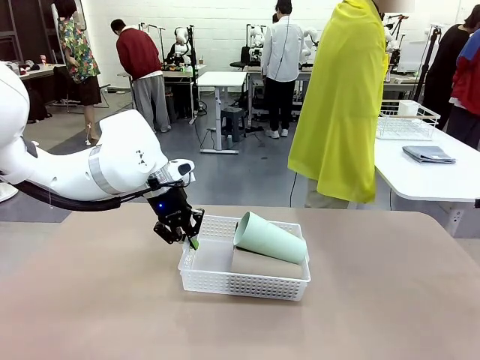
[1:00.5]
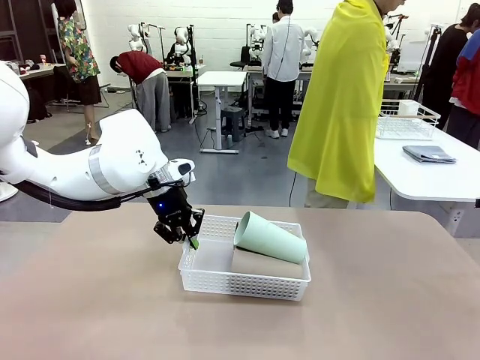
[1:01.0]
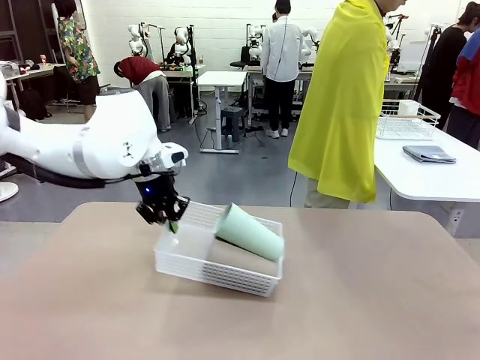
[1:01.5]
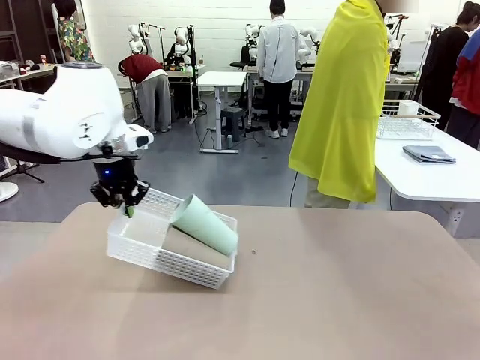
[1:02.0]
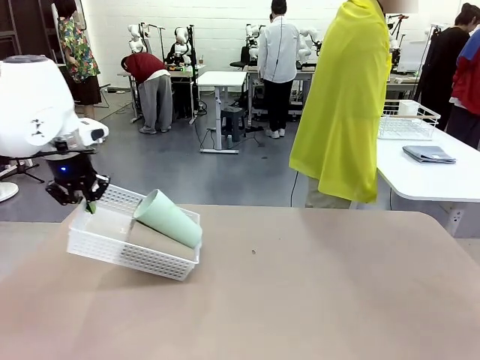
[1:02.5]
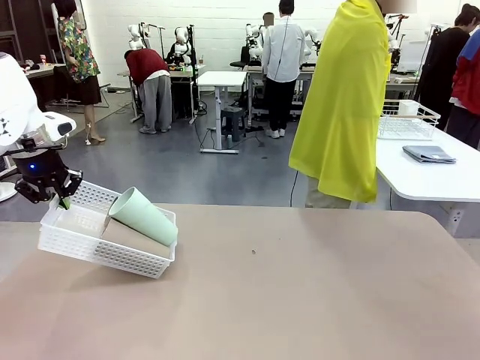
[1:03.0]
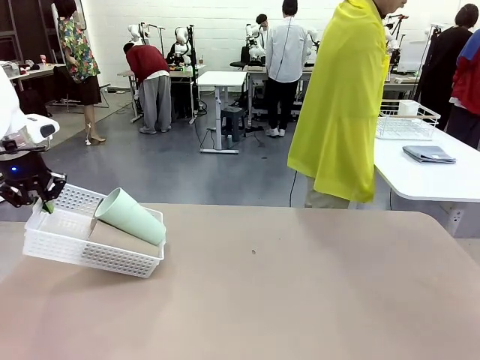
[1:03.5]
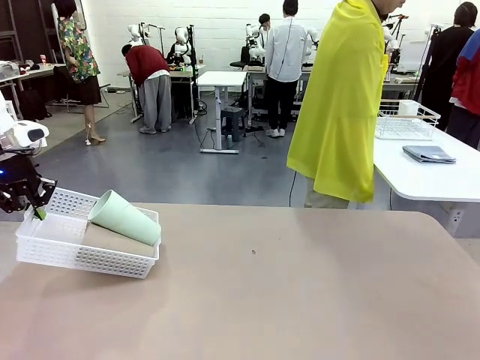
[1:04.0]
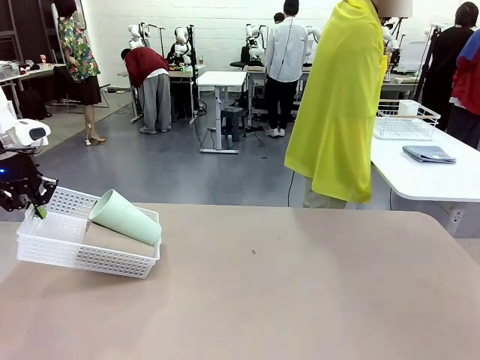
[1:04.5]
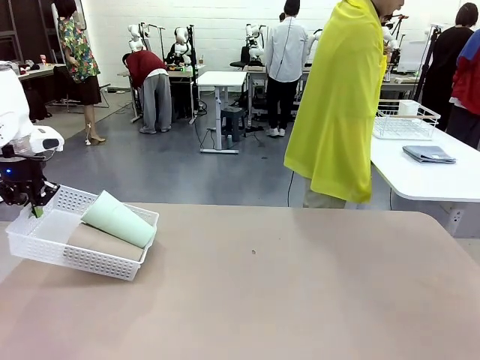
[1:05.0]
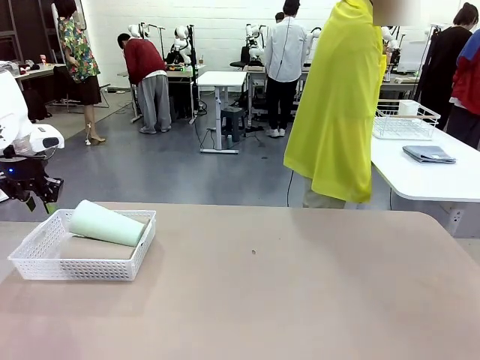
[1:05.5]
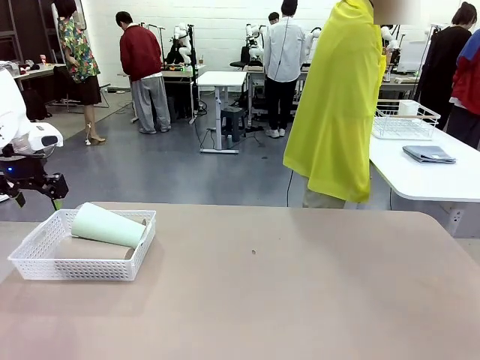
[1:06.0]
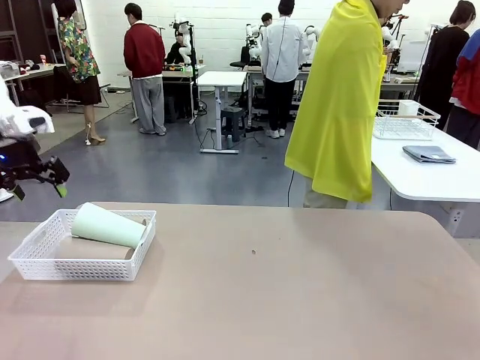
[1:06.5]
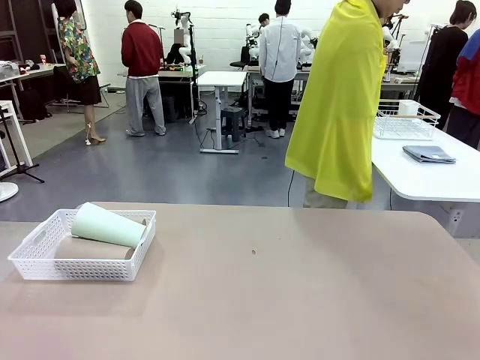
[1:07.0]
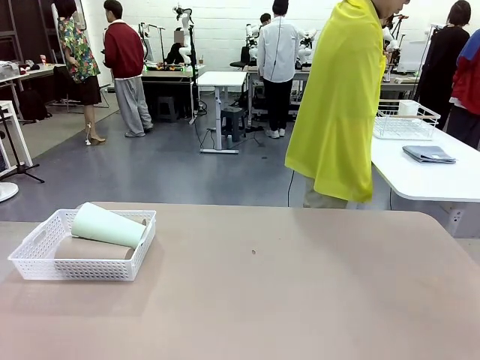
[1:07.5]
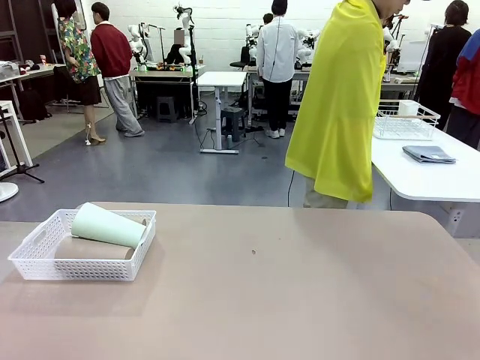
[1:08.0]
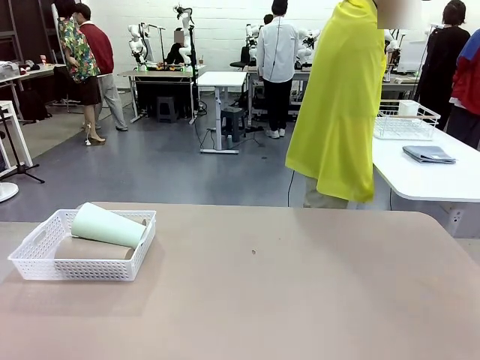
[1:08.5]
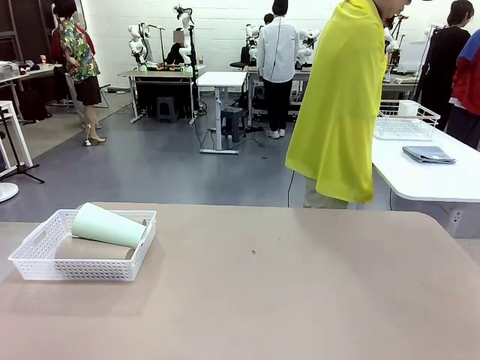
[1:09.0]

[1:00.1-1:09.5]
Task: Clean and organize the cups into the basket.
Robot: Move the Organizing basket back to the left side of the table.

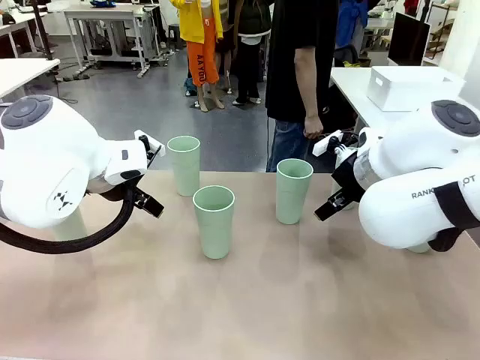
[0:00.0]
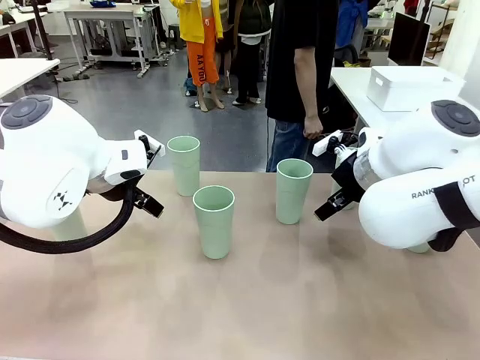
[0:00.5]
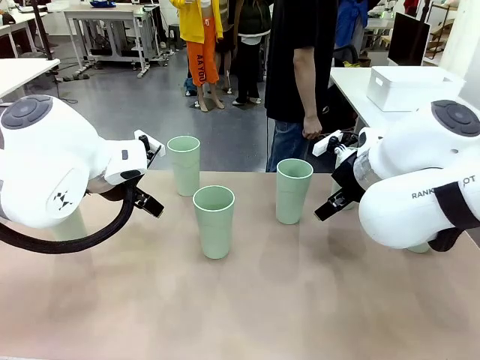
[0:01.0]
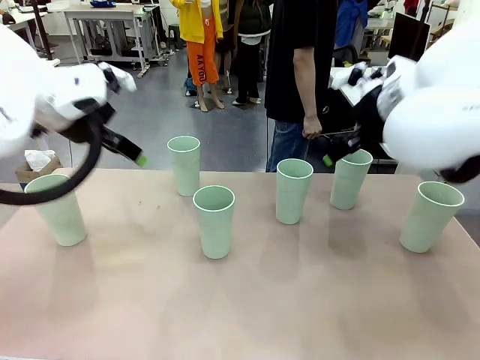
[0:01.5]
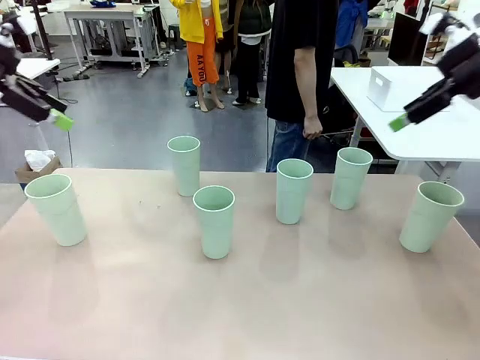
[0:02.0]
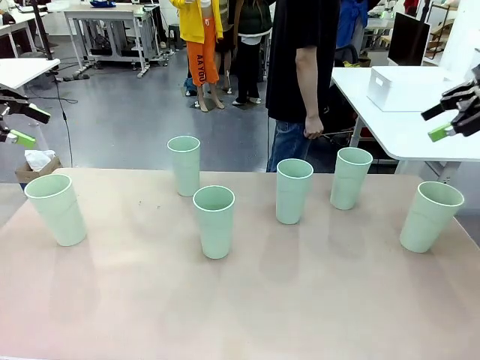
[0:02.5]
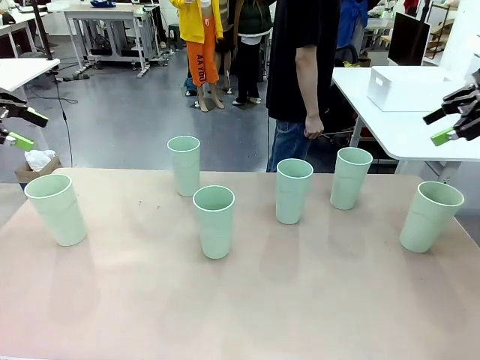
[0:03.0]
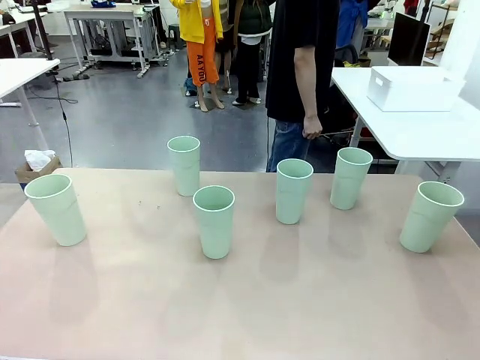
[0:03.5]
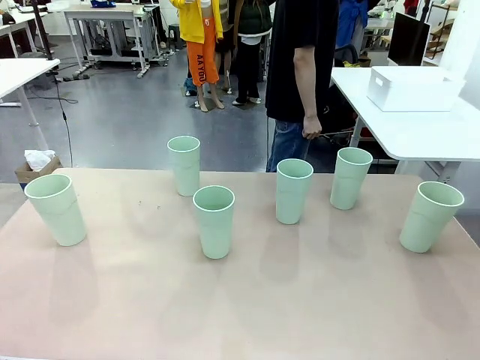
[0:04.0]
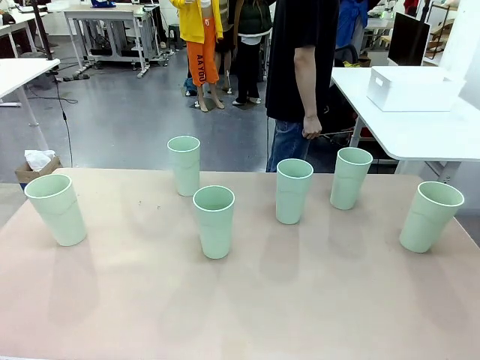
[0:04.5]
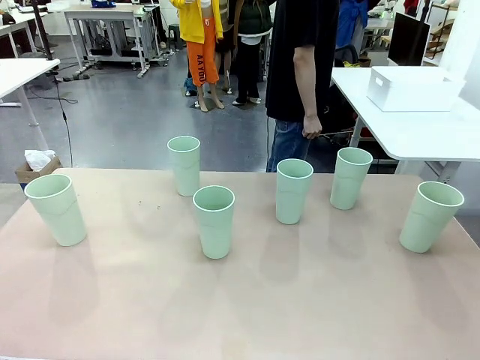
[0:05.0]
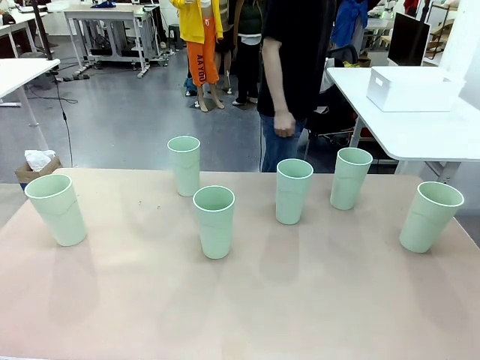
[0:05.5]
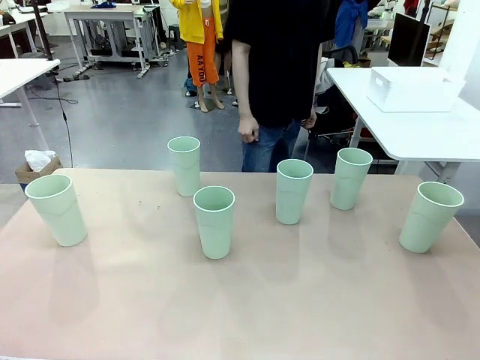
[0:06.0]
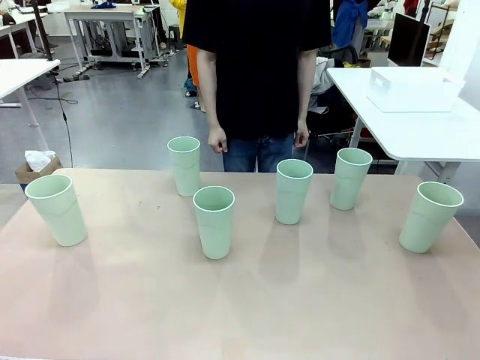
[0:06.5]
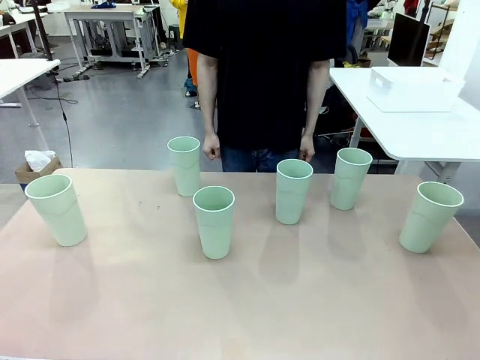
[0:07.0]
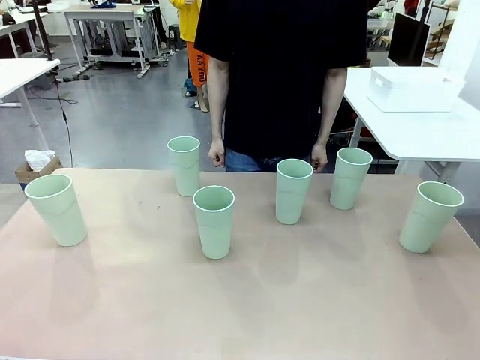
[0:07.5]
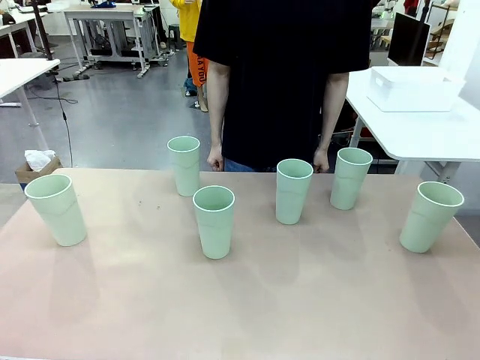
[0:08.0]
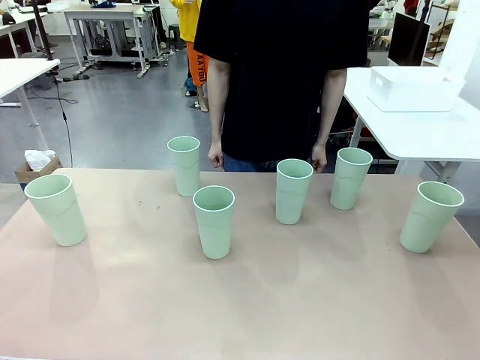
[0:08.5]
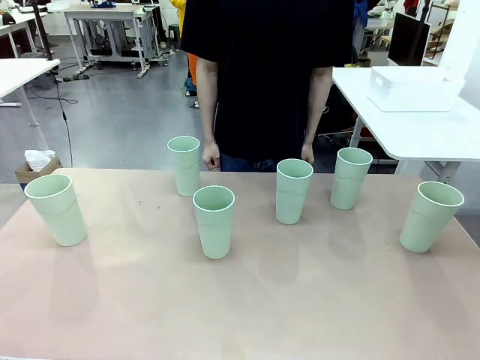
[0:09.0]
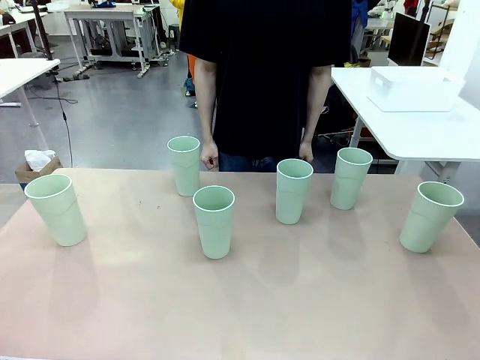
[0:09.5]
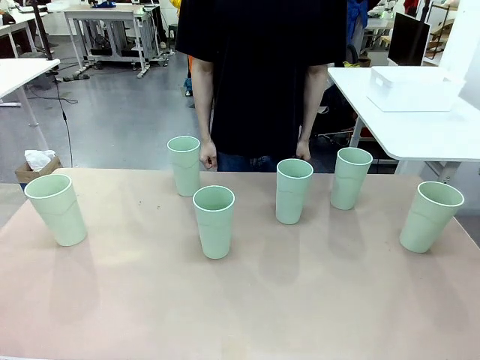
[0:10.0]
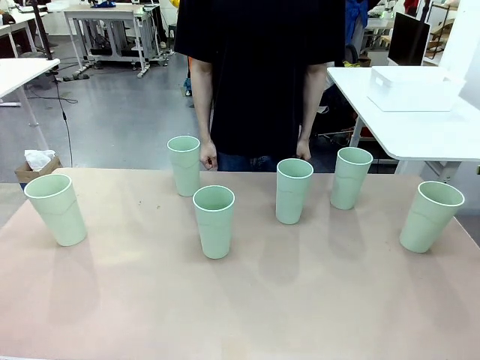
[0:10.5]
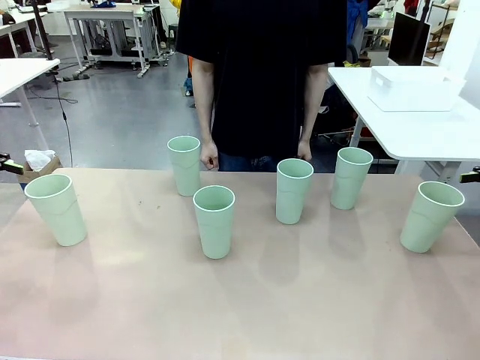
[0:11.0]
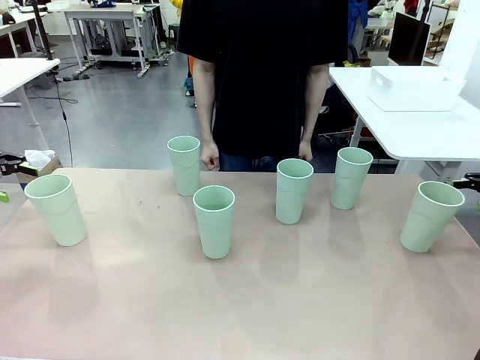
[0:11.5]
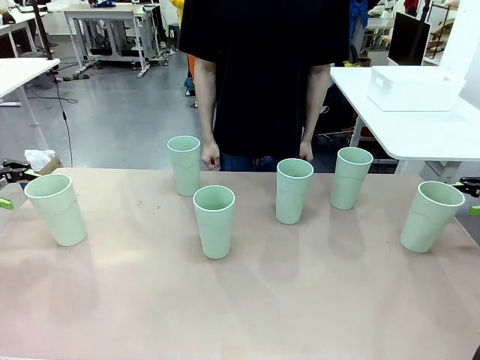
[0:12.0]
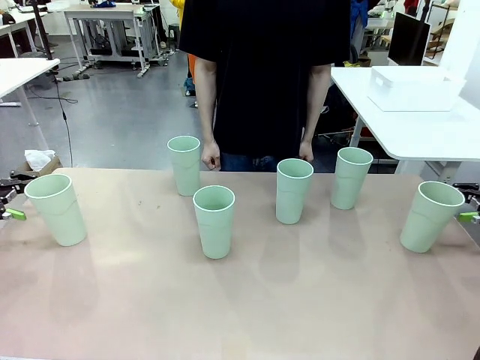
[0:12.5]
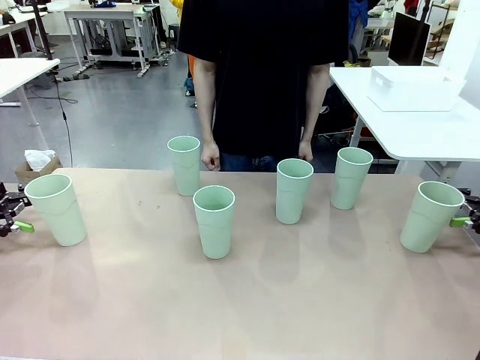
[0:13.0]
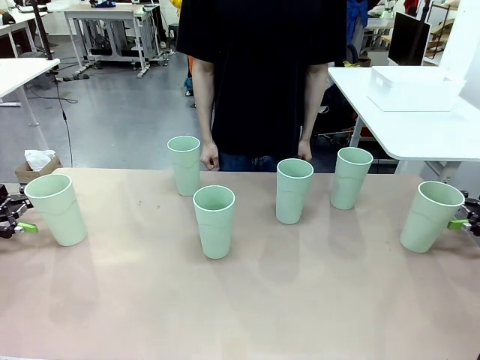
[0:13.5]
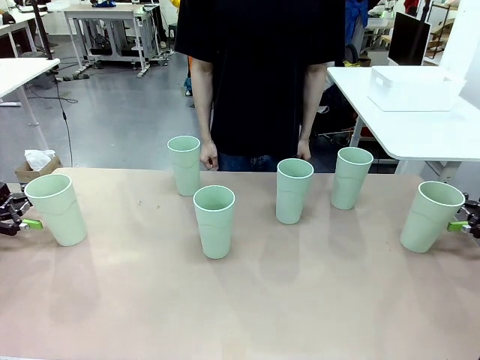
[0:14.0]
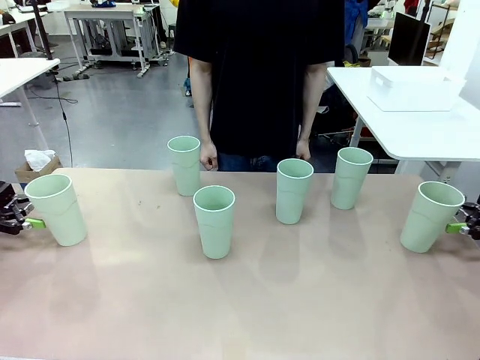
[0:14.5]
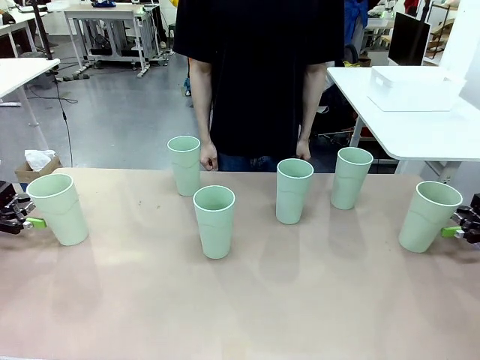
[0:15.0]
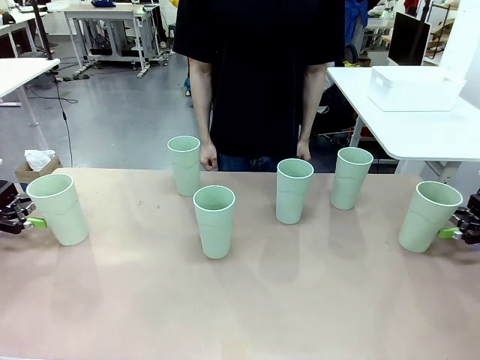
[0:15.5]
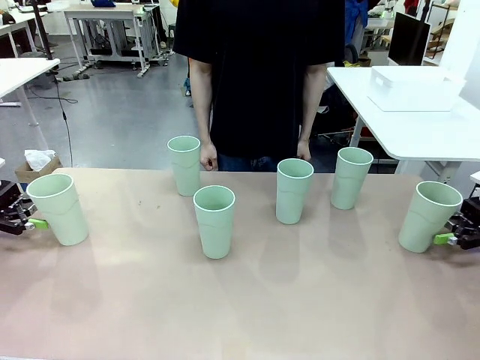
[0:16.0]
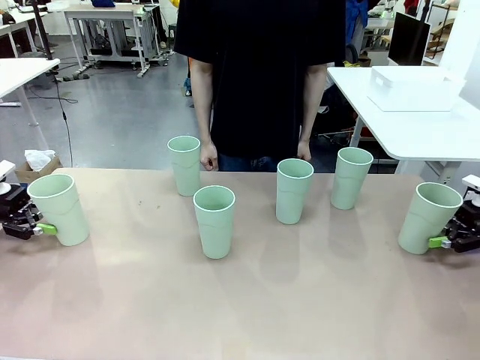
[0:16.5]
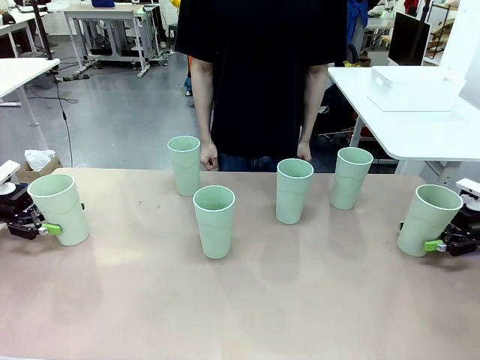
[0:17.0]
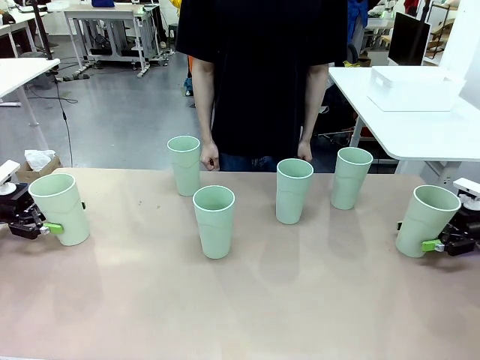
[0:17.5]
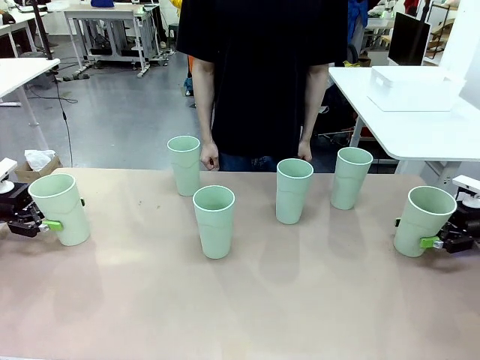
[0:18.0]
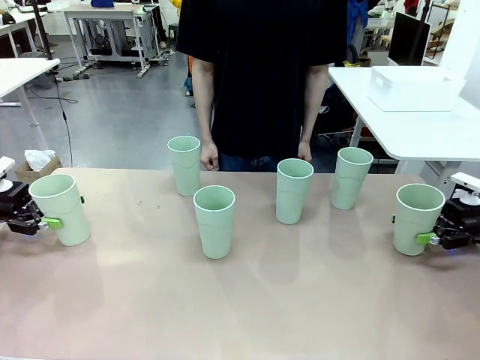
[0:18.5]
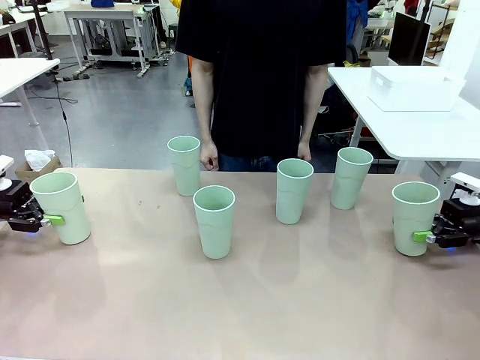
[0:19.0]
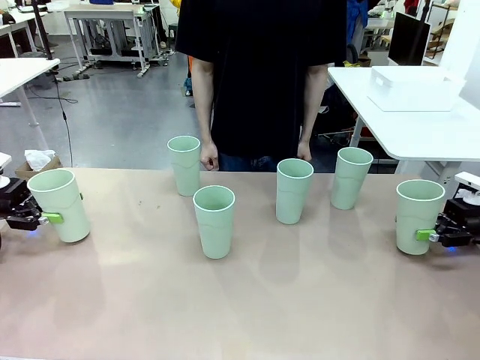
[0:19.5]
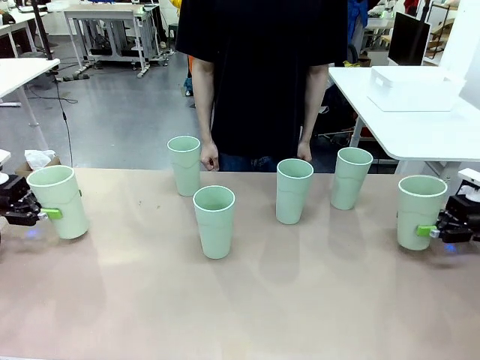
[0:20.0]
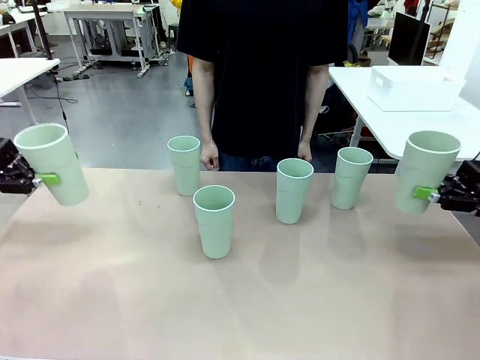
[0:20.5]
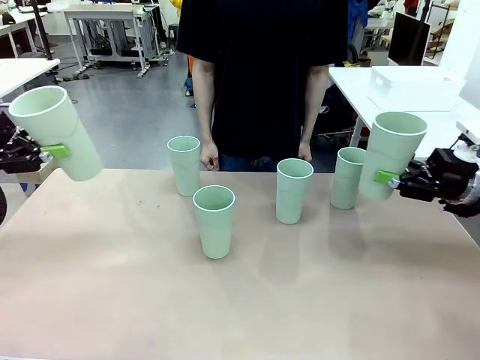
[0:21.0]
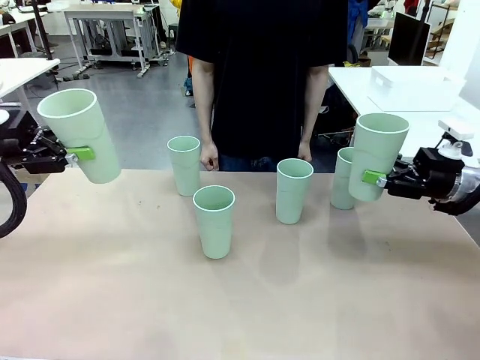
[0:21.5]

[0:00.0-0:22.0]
Task: Stack the cups and store them in the basket.
Robot: Pick up two Reusable plastic cups , one in each hand.
Person: Move from the Human Table to the front of the Robot Table. Stack two of the remaining cups on top of each cup held by the robot.
